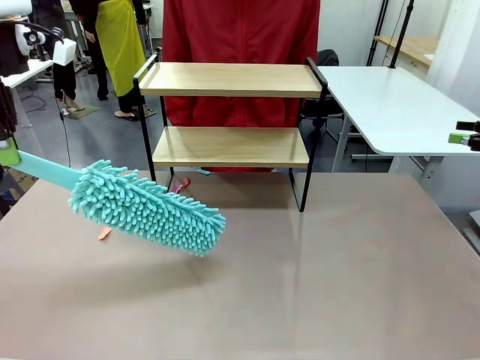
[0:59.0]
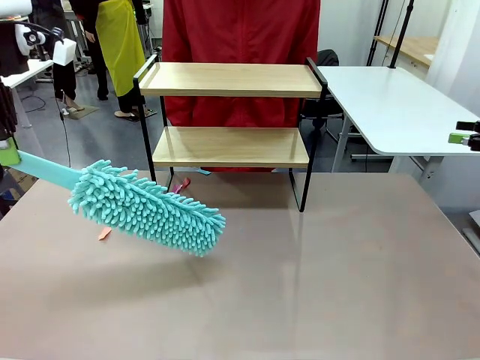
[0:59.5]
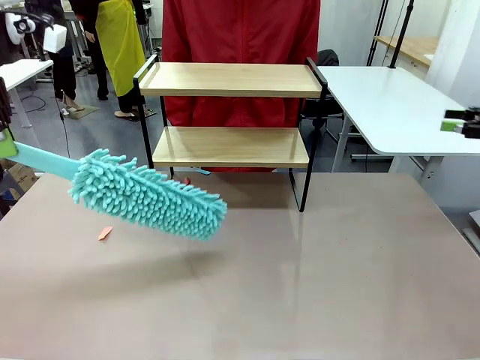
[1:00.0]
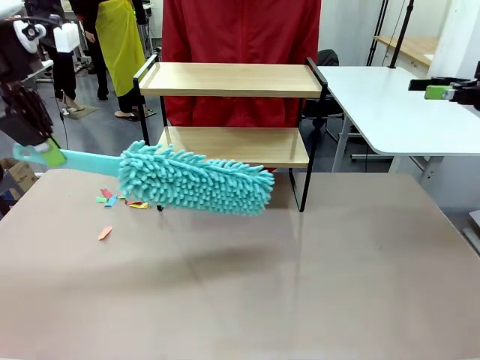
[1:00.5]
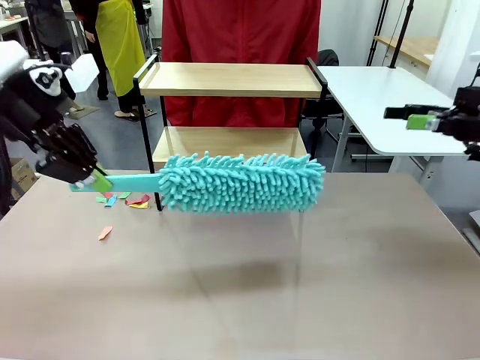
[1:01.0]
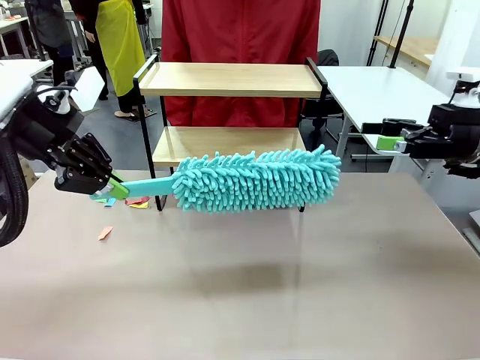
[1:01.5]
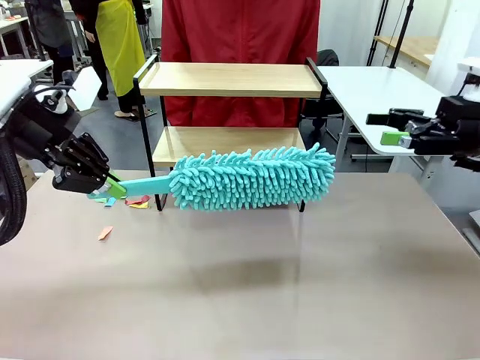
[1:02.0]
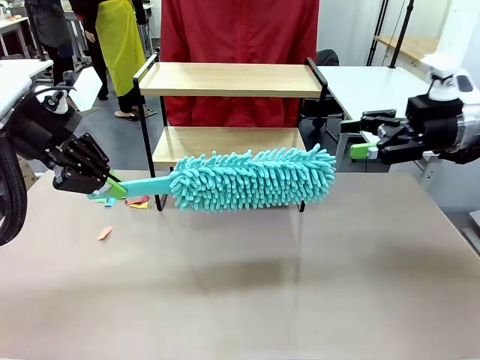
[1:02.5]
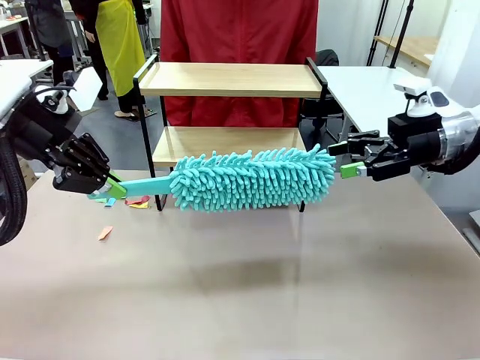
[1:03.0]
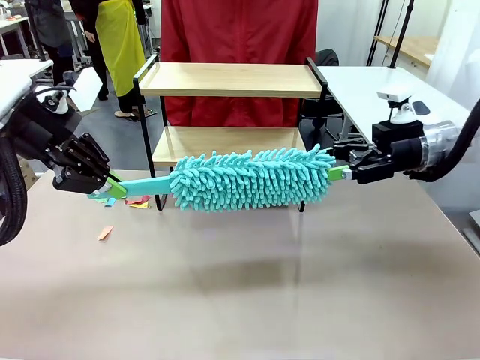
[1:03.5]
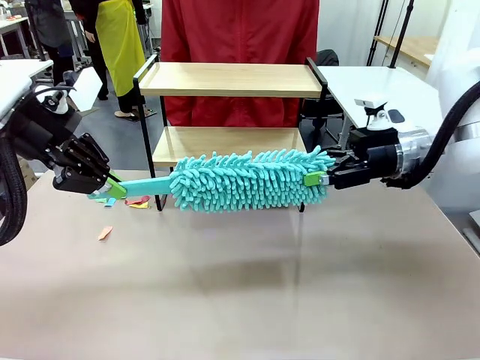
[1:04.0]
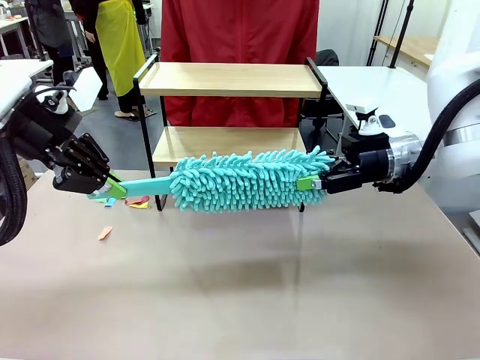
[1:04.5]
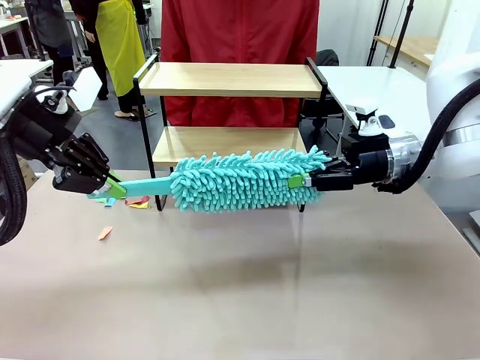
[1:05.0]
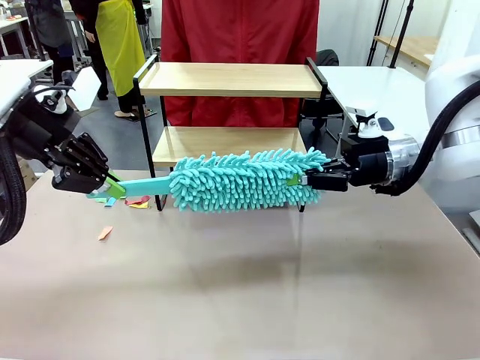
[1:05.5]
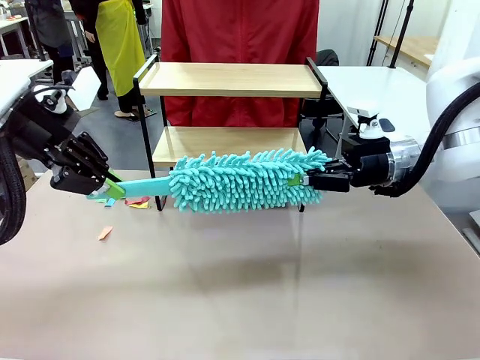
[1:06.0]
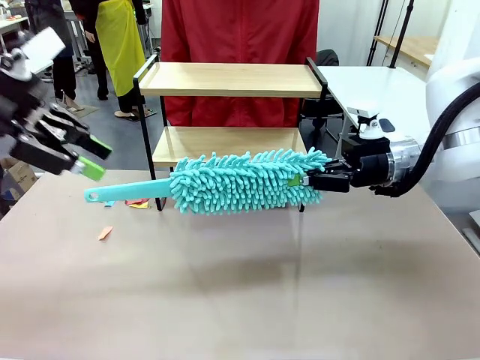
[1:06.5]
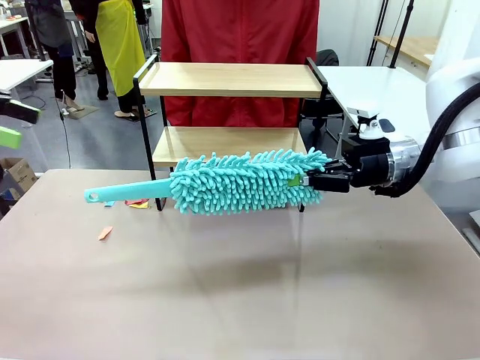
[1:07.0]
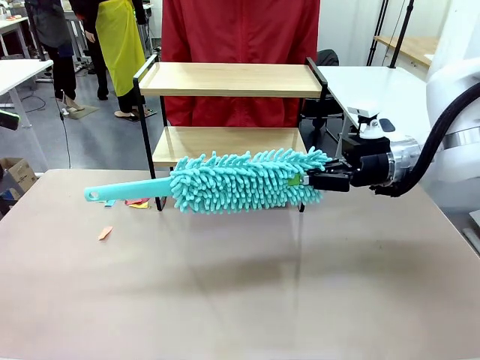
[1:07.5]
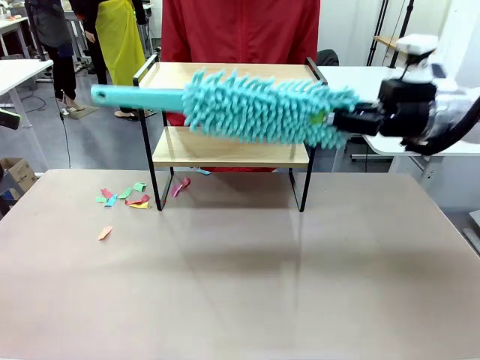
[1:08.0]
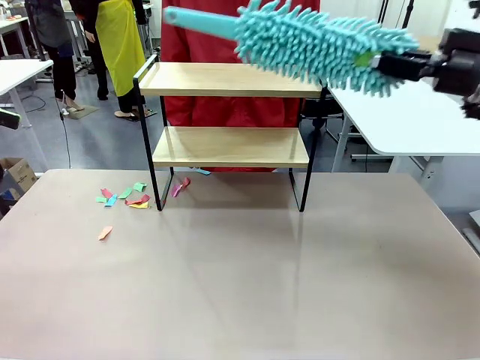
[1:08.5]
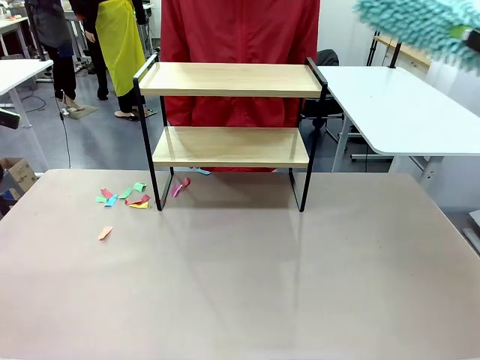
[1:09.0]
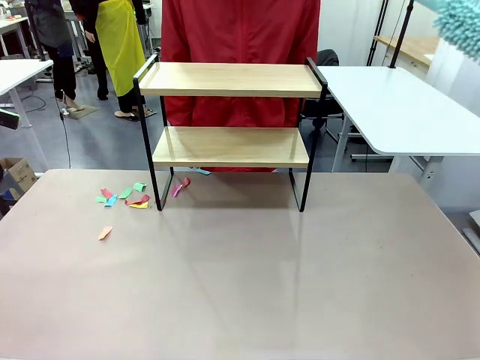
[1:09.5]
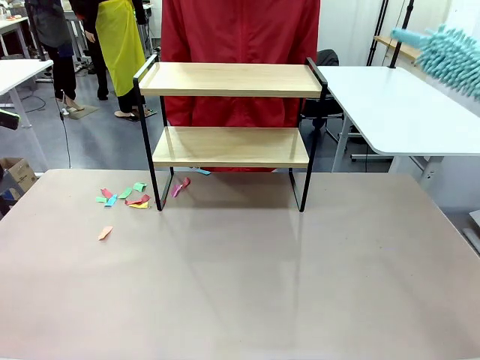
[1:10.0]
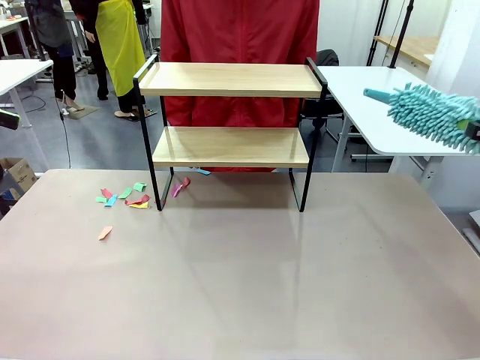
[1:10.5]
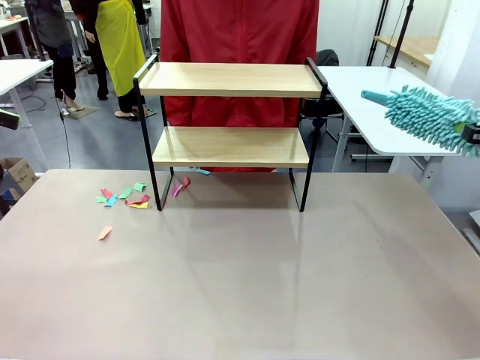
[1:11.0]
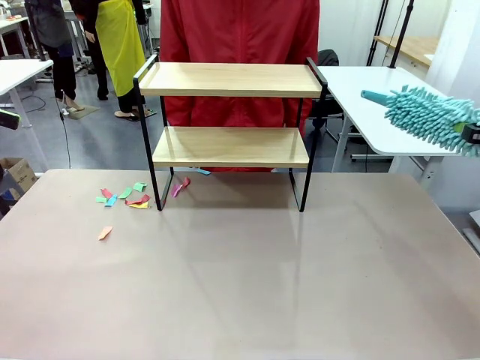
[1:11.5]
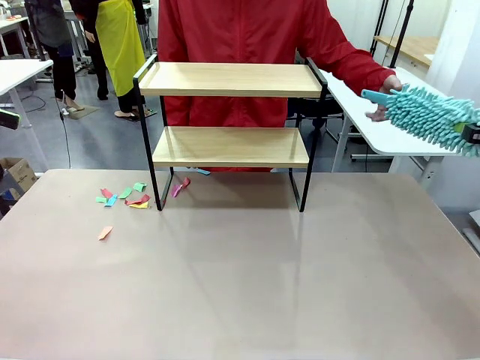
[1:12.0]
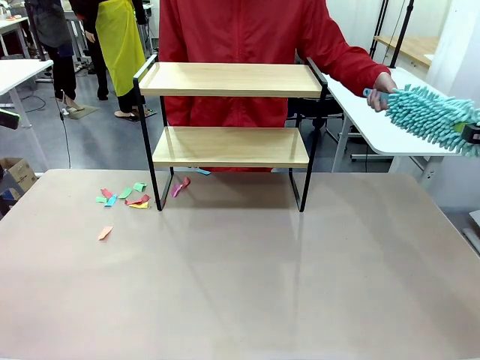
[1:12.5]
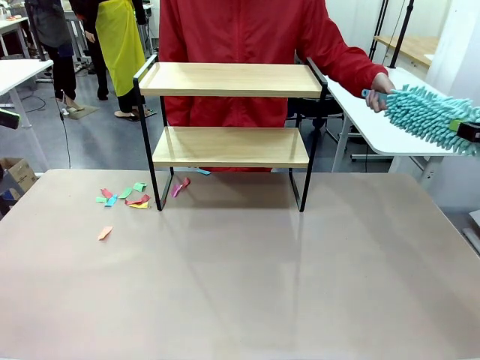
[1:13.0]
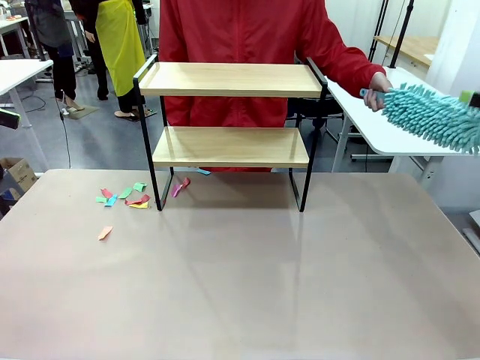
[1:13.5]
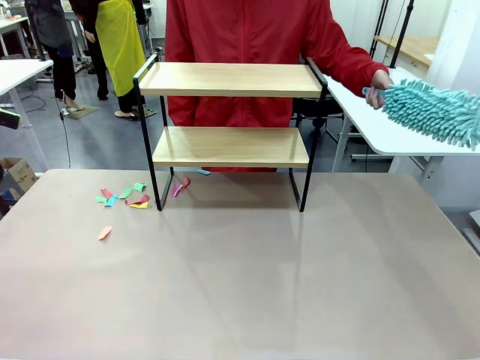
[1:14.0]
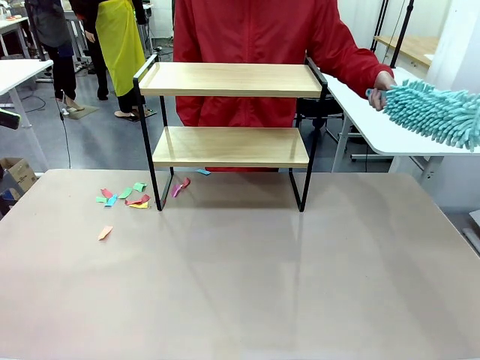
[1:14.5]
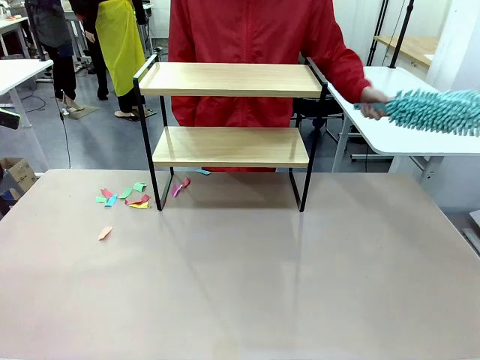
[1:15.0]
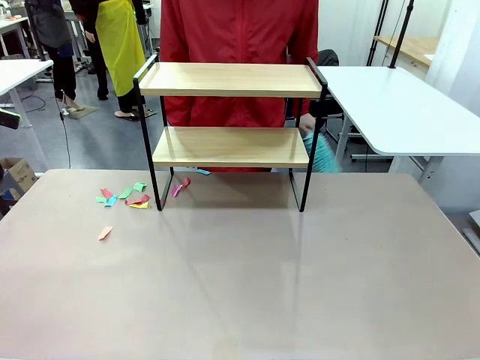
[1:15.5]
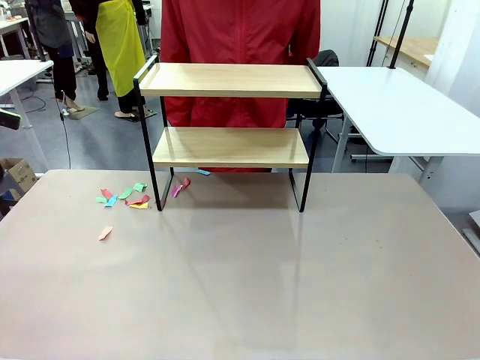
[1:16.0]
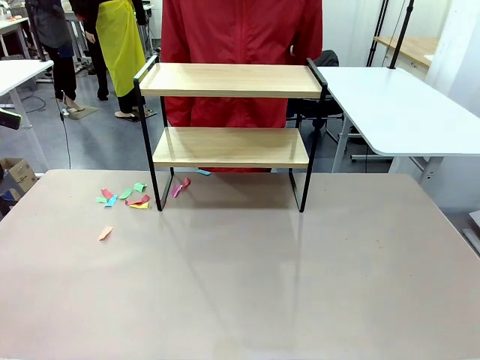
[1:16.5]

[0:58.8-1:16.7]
Task: Clean the shelf.
Robot: Hand the Duster back to the human.
Person: Receive the Duster from the robot.
